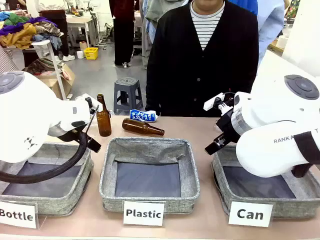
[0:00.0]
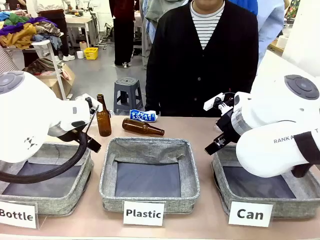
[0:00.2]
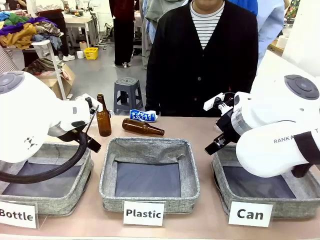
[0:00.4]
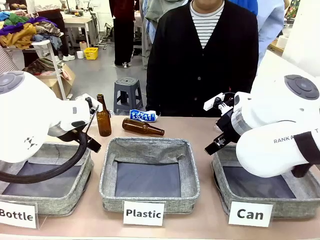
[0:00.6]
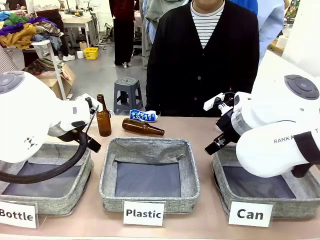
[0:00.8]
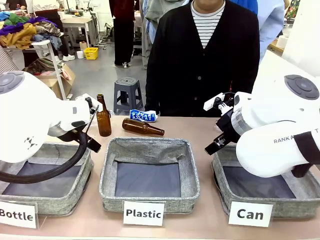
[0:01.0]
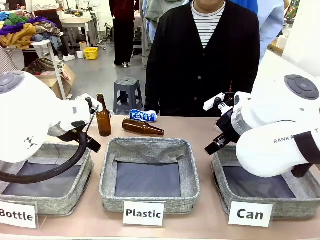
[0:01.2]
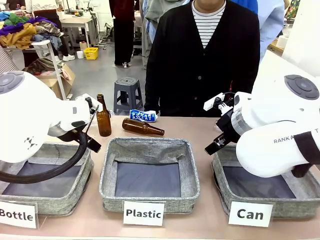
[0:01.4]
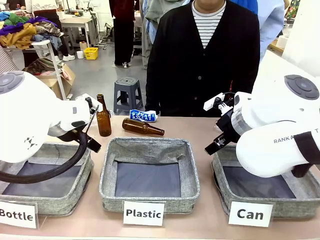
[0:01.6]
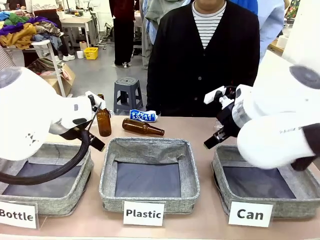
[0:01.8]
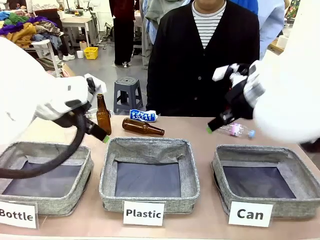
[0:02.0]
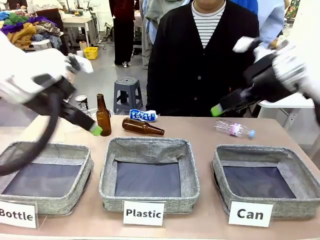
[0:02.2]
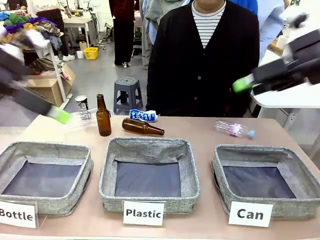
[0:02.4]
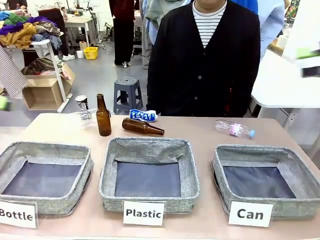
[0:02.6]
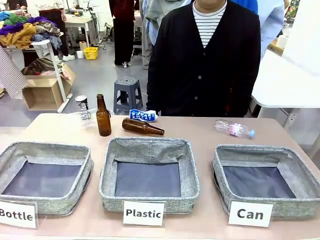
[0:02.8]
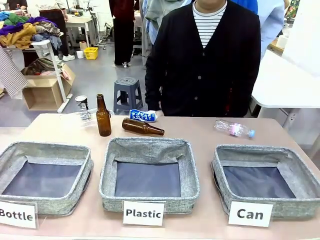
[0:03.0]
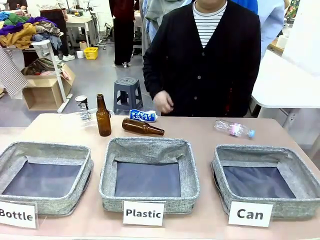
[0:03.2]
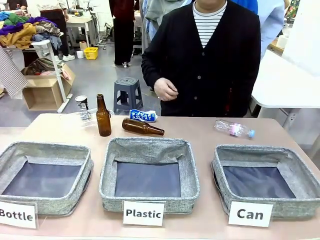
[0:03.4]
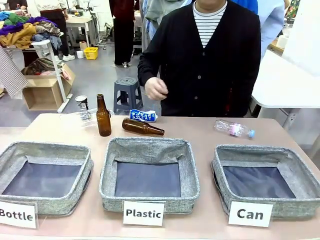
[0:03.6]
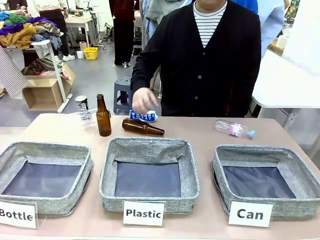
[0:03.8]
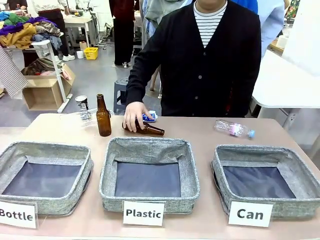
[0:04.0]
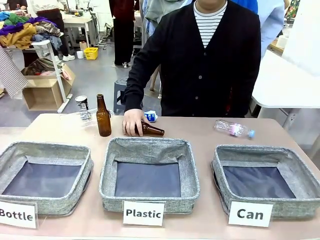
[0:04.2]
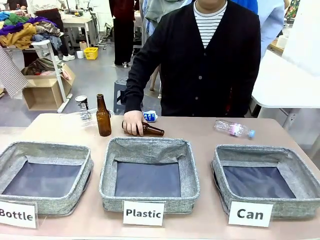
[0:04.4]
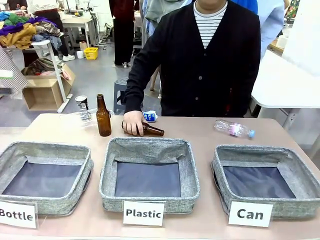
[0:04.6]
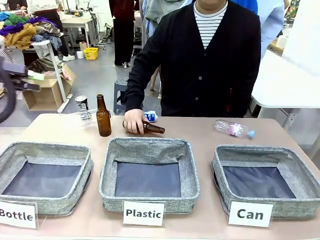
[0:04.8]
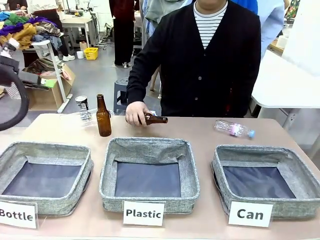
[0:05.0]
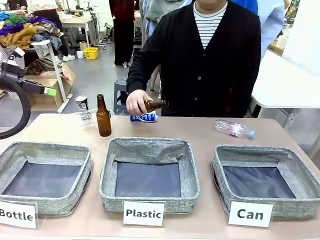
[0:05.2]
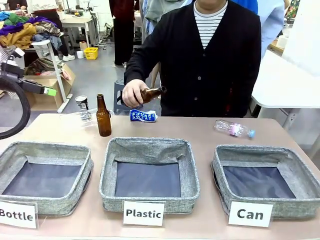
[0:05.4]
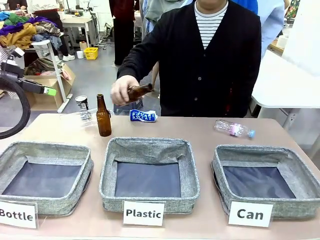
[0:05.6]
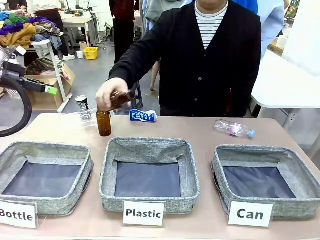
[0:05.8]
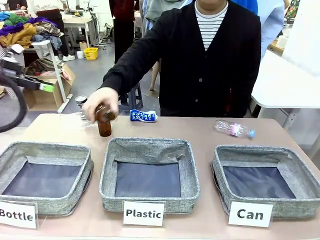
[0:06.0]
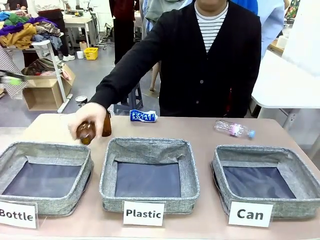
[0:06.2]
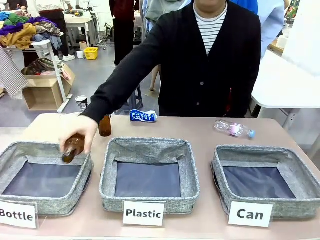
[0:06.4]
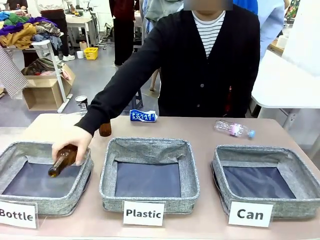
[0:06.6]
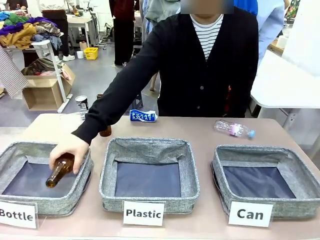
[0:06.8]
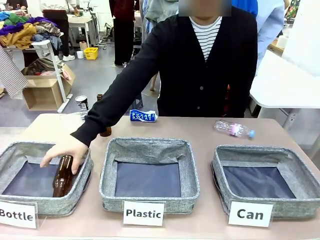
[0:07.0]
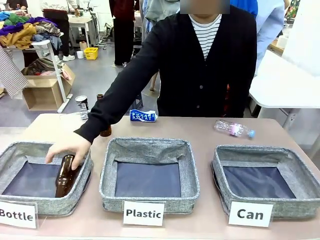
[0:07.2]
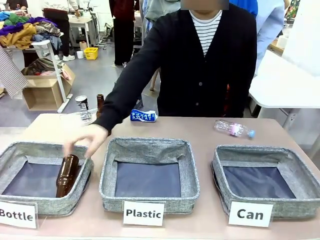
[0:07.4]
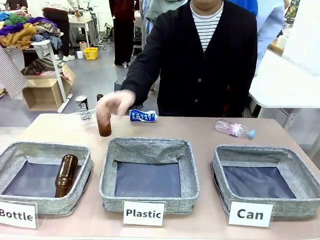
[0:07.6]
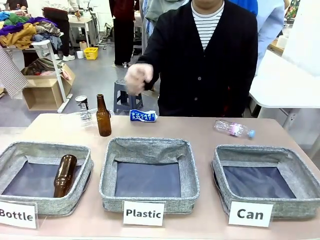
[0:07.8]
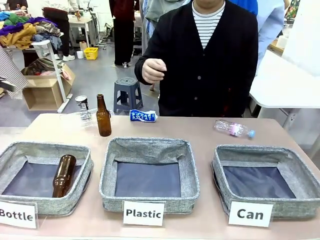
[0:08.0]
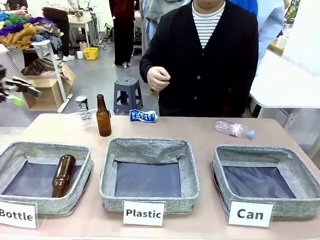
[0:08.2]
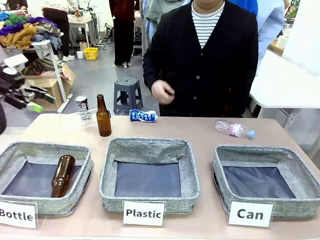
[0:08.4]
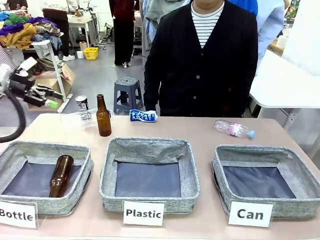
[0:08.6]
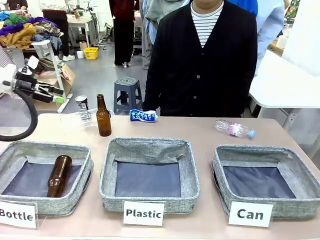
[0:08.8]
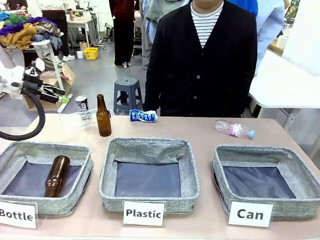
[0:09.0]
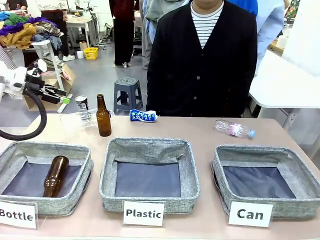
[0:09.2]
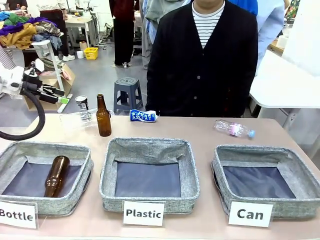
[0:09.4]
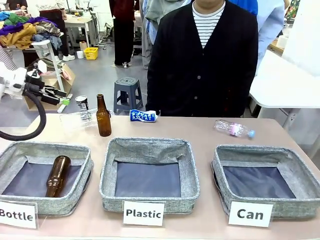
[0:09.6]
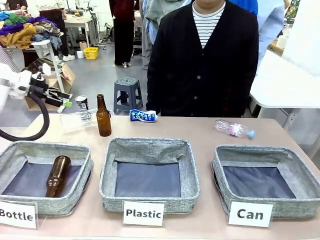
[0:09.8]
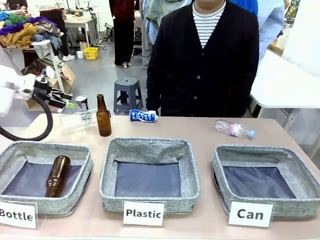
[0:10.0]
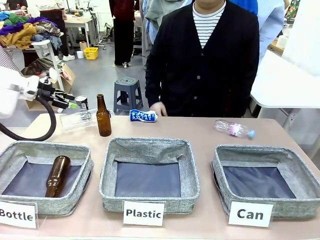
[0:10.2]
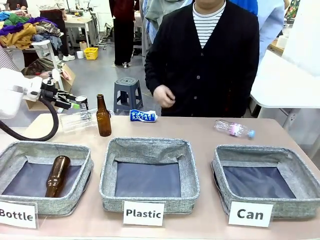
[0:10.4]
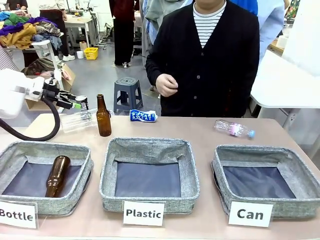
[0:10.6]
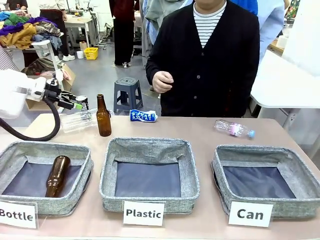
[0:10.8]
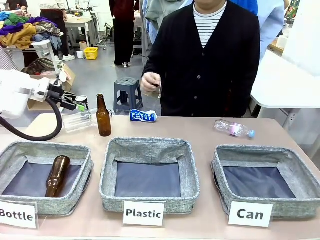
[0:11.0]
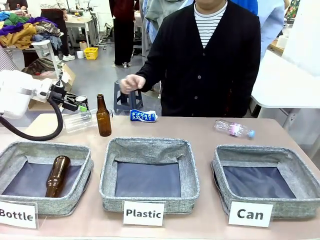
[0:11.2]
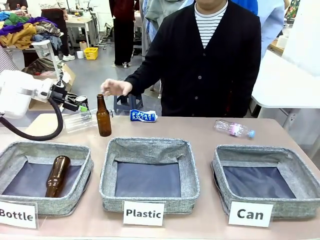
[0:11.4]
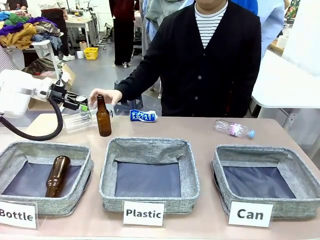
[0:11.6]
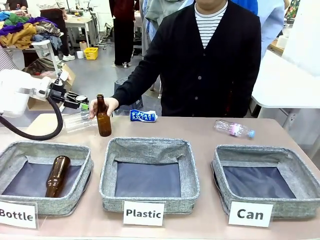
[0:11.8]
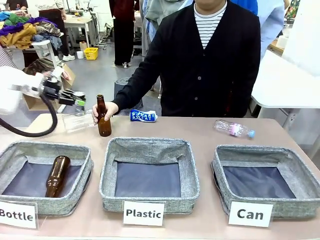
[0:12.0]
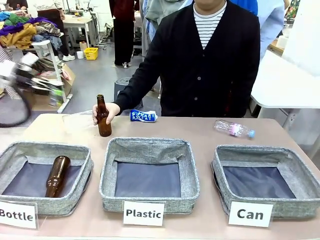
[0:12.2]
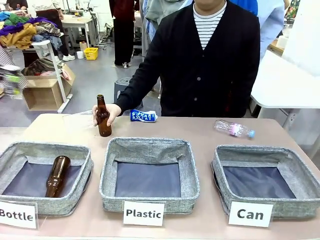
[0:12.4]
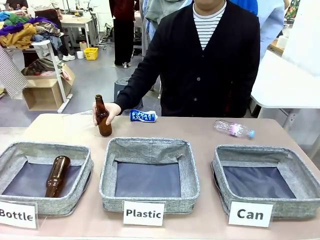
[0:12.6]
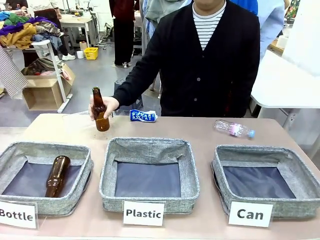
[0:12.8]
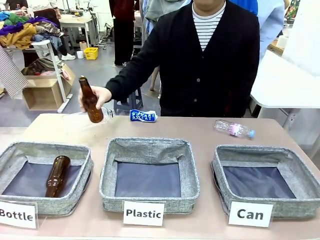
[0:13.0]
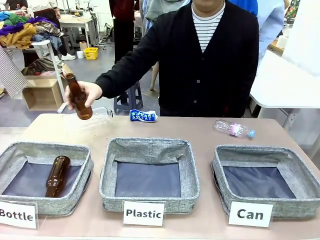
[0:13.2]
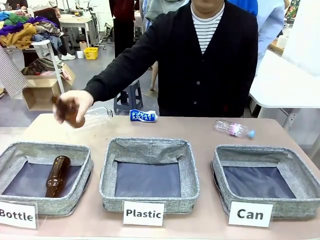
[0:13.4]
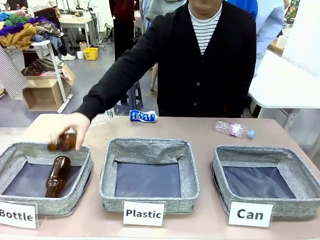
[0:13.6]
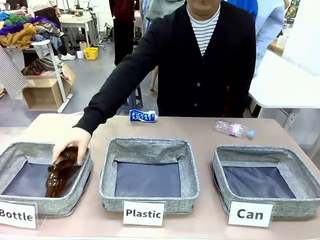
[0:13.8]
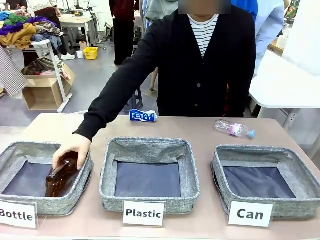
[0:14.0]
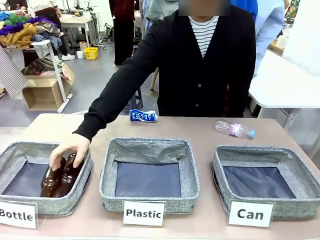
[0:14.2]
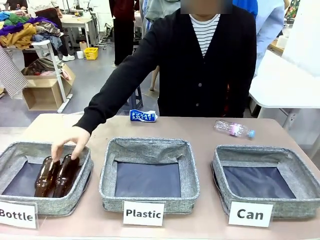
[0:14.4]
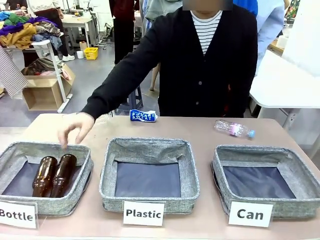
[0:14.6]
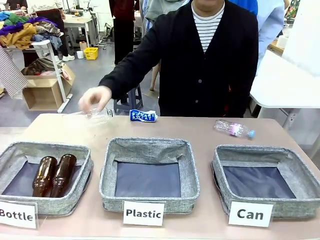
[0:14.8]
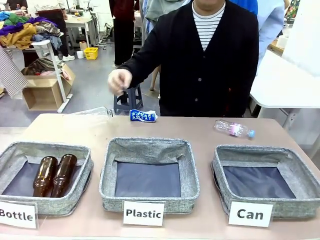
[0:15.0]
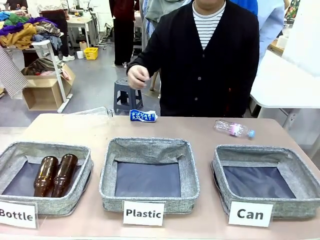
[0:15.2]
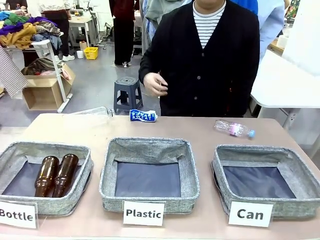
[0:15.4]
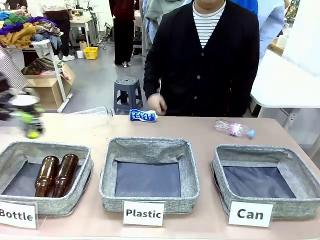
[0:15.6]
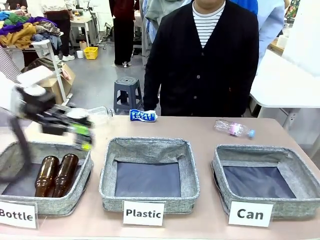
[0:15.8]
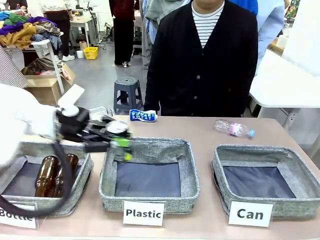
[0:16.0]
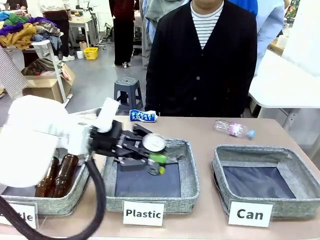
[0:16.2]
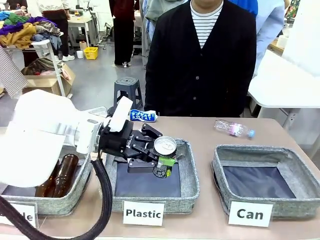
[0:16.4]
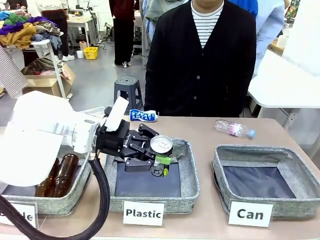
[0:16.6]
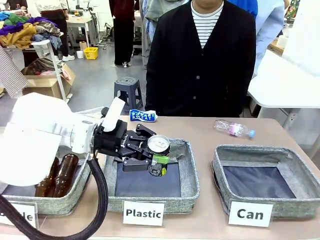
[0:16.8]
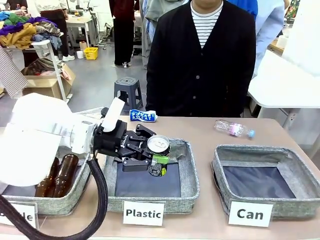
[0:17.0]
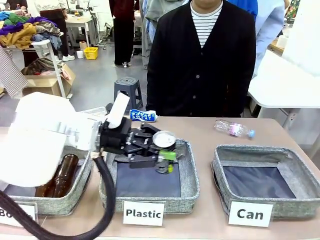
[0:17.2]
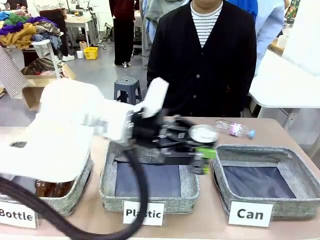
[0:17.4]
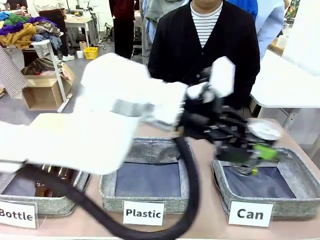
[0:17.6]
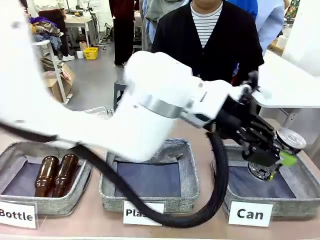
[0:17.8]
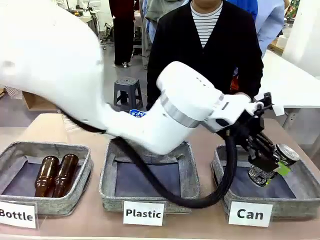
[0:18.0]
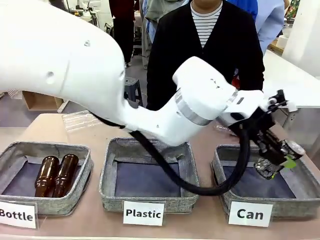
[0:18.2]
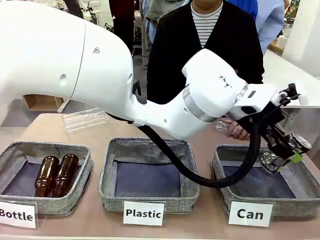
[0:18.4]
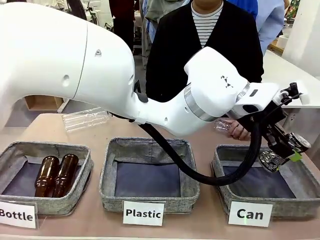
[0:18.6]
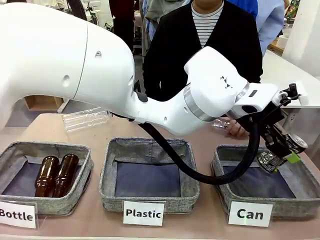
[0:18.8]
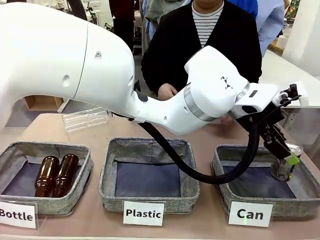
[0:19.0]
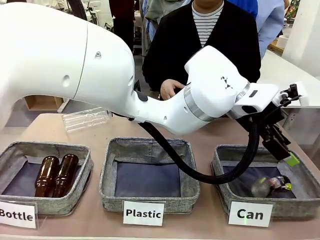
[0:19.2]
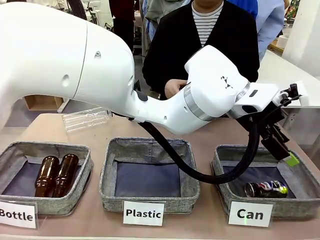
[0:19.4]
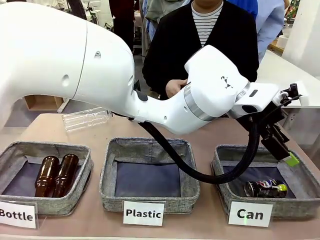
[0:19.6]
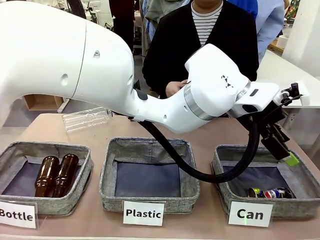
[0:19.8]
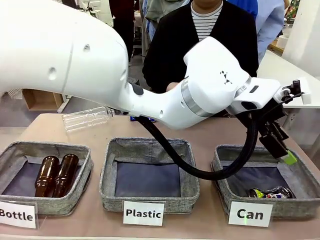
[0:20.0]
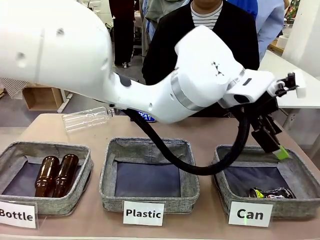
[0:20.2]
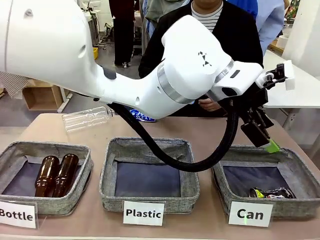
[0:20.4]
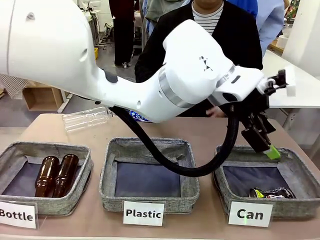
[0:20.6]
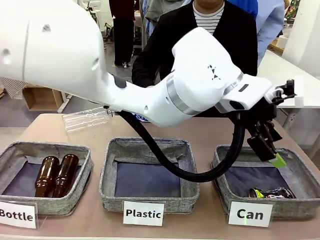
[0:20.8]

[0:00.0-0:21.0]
Task: Sort the can waste into the basket.
Robot: Pick up the can waste from the table and place it in the right Fabric basket.
